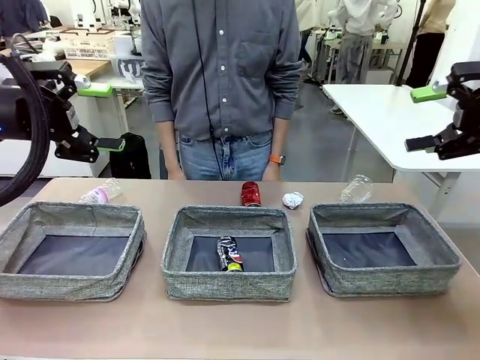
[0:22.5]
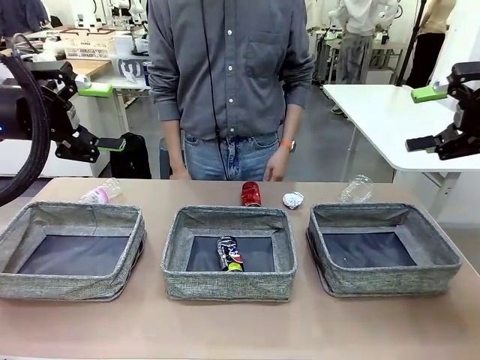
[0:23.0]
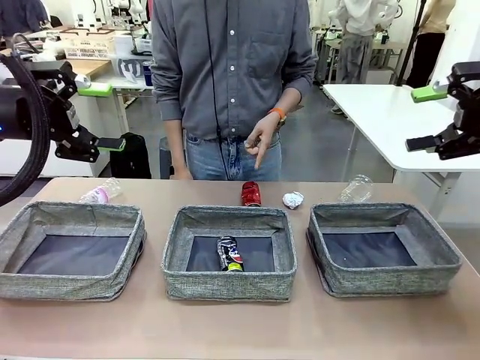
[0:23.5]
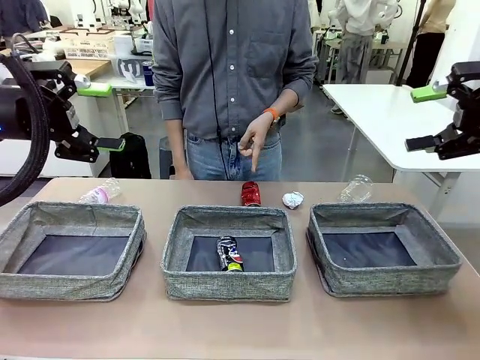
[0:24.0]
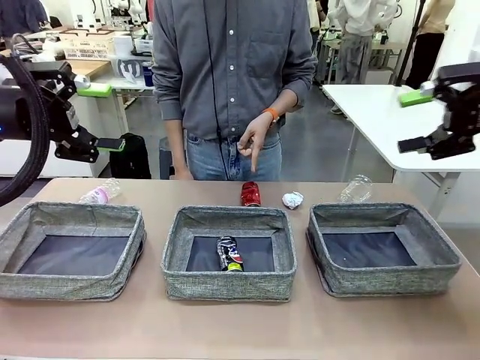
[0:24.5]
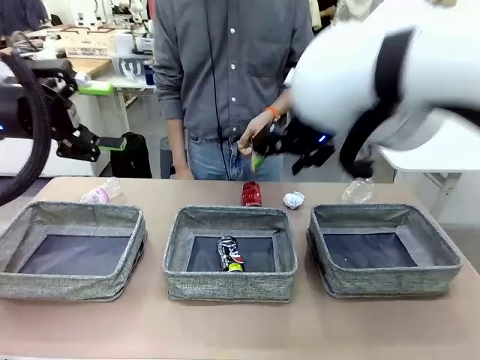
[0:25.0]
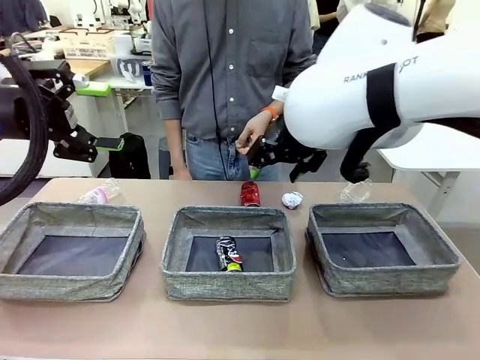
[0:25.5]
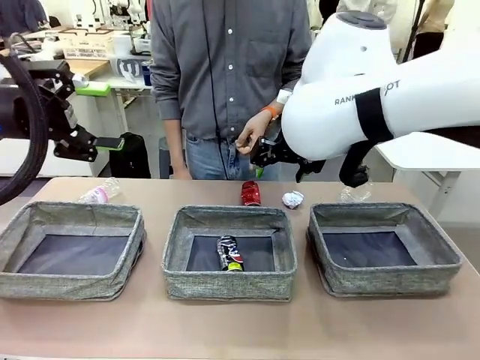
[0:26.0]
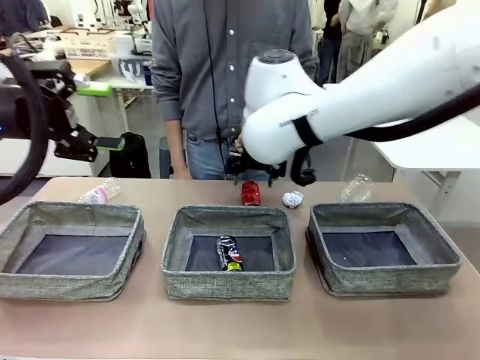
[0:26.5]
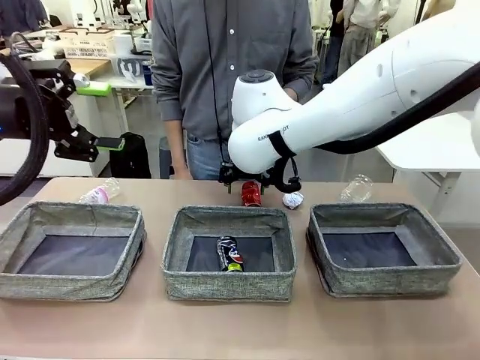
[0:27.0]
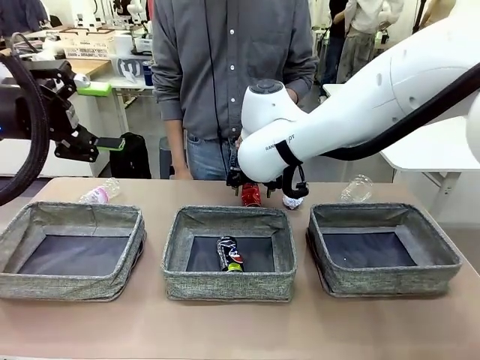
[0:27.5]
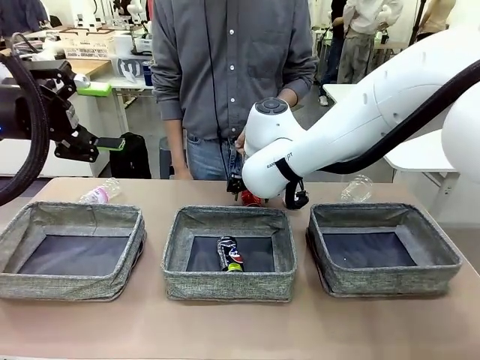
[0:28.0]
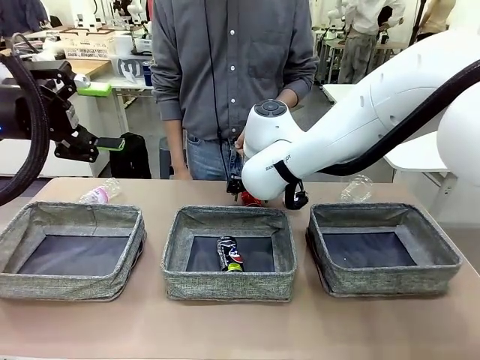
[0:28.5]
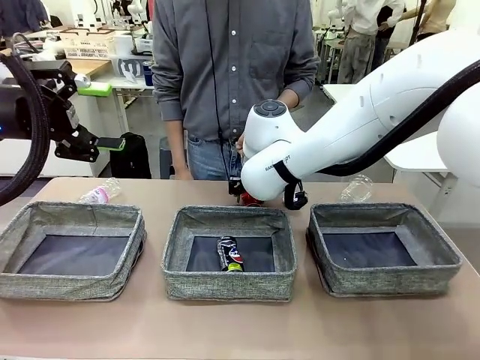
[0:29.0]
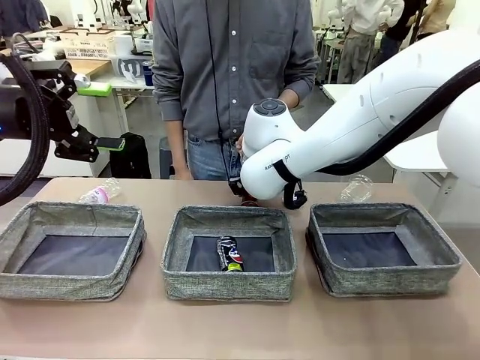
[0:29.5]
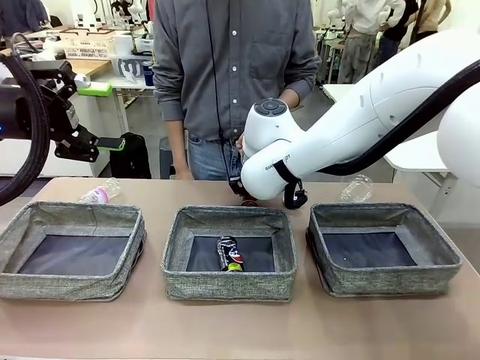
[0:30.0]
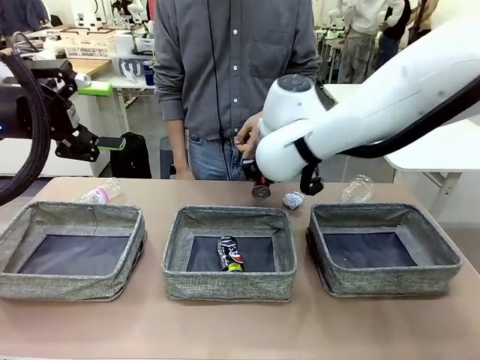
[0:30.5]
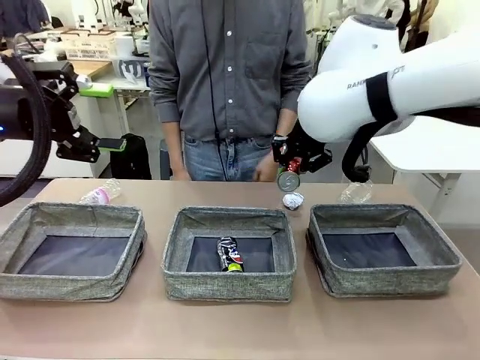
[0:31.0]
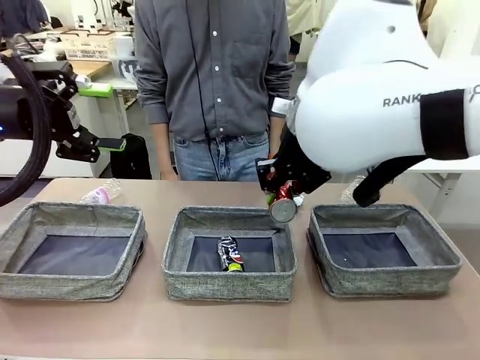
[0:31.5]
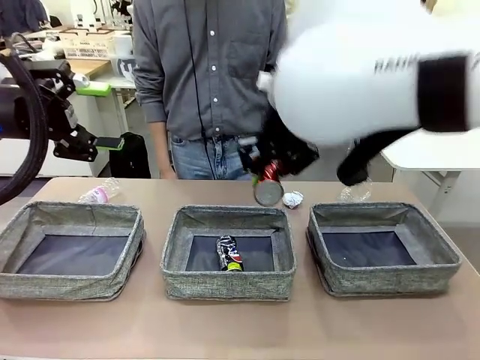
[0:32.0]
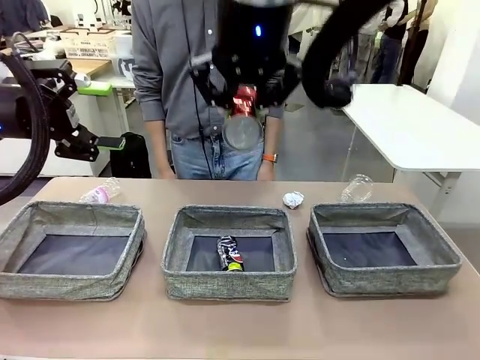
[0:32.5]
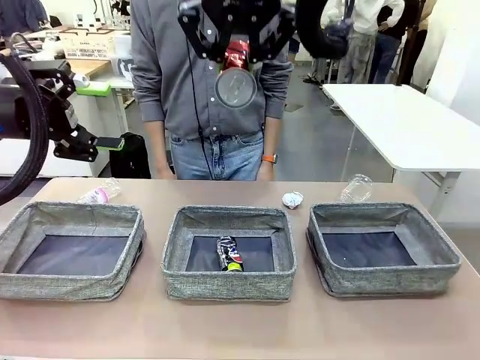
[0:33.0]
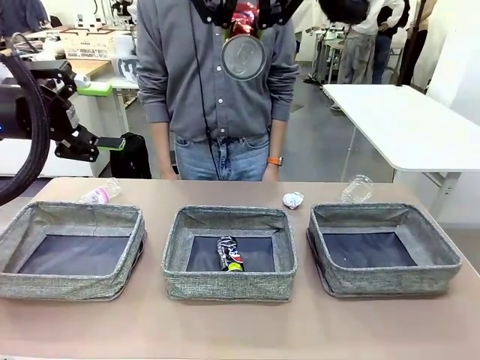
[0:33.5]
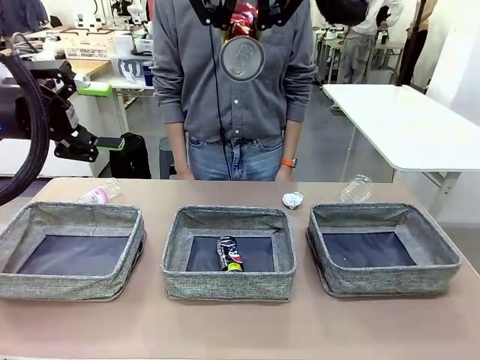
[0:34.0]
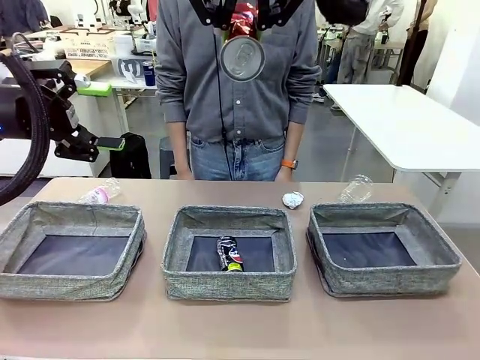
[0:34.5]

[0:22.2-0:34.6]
Task: Sort the waste into the appropriate baskets.
Robot: Pick up the waste item pointed out by the person.
Person: Points to one piece of trash on the table.

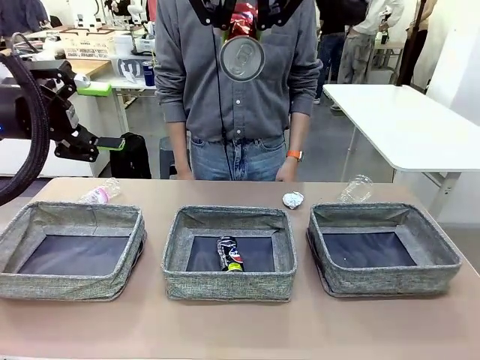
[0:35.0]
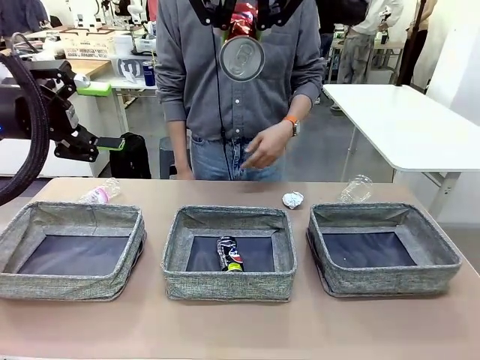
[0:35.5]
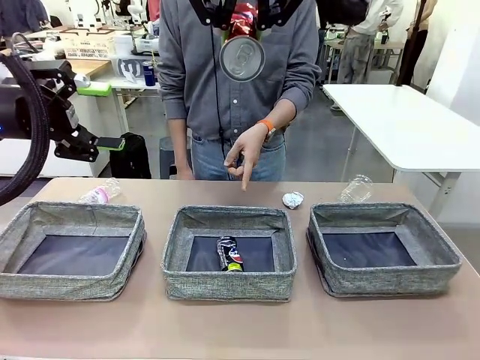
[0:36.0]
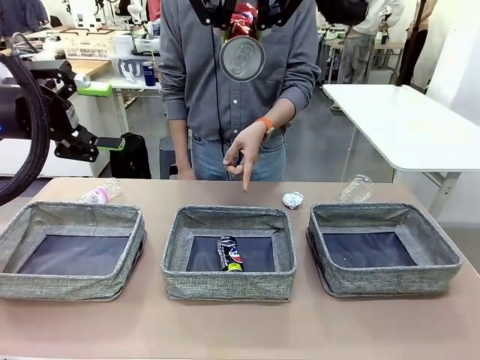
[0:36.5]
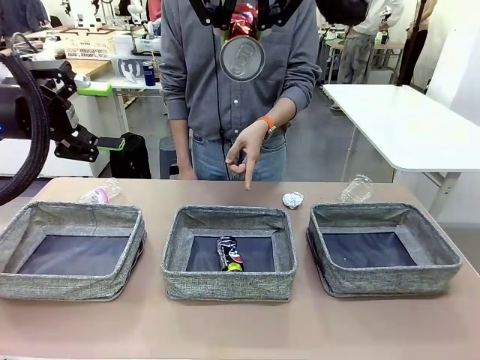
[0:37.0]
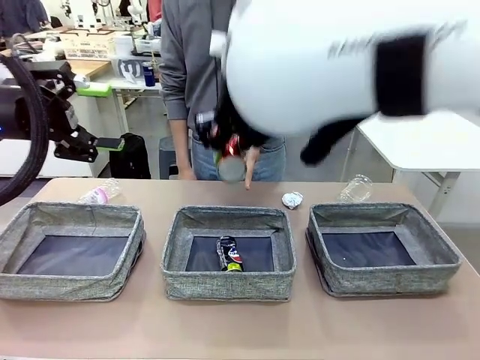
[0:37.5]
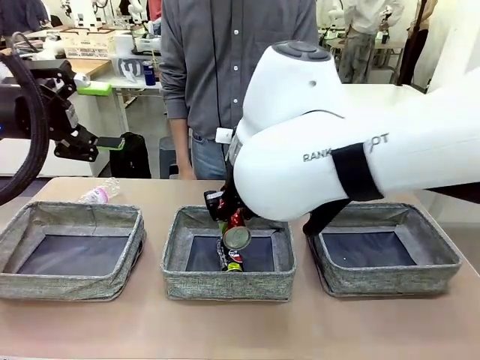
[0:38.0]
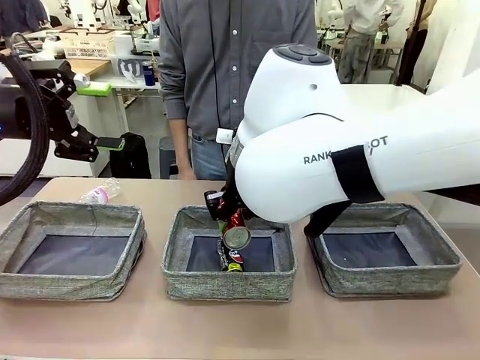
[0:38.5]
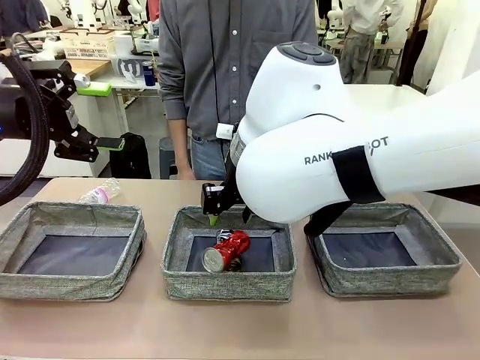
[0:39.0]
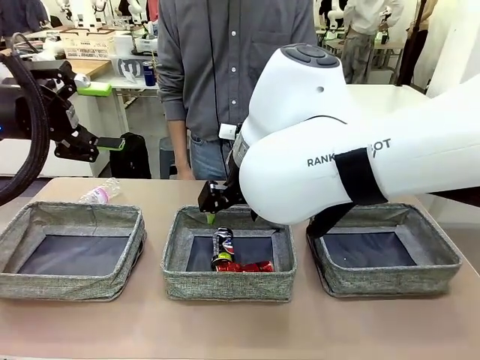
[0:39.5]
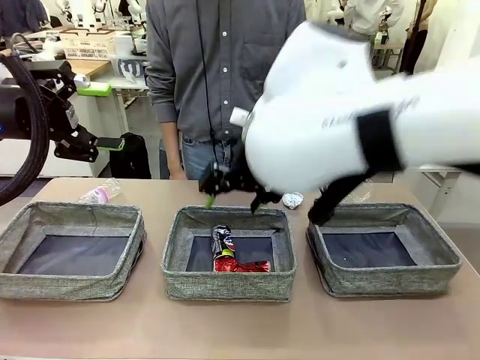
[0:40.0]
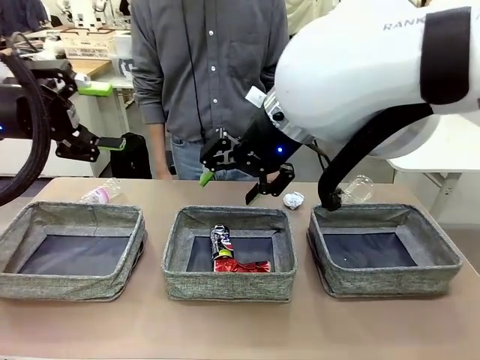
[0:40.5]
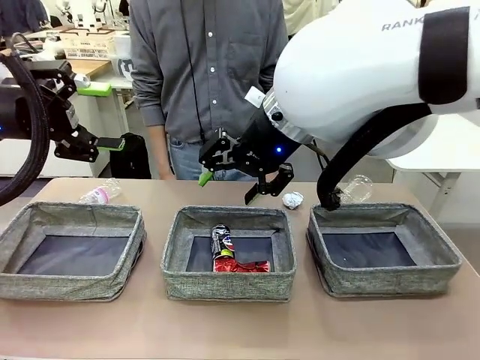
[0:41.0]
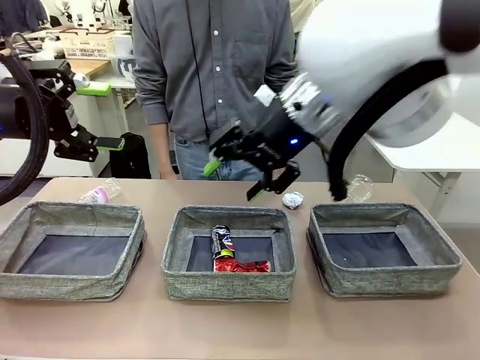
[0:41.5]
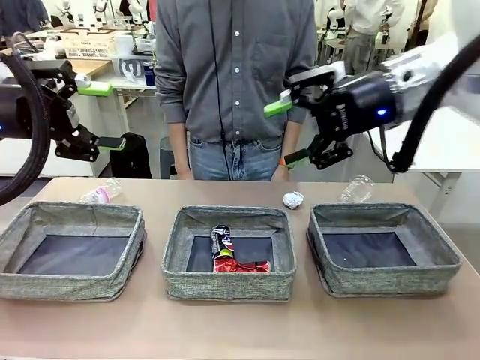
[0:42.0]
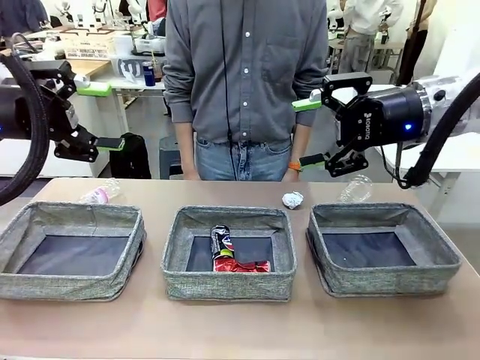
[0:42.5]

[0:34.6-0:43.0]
Robot: Place the picked waste into the Fabric basket indicated by the person.
Person: Instructs the robot to place the picked-up trash into the appropriate organizing basket.
